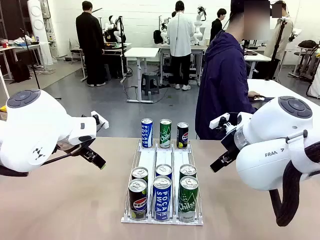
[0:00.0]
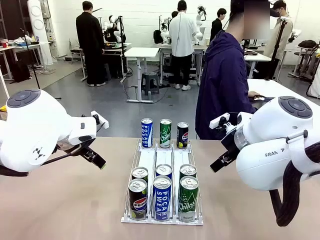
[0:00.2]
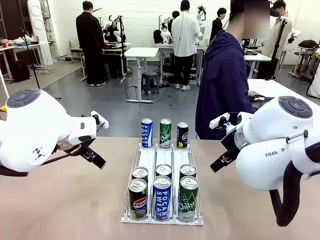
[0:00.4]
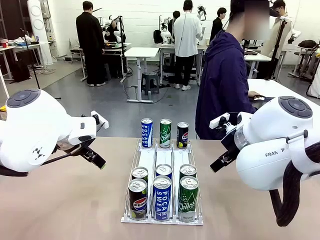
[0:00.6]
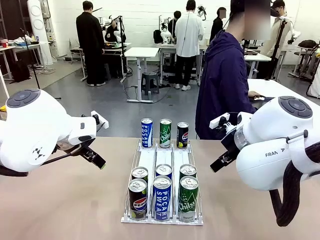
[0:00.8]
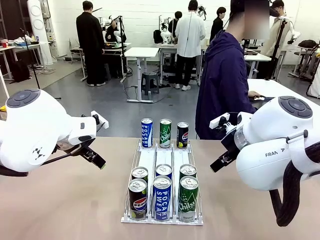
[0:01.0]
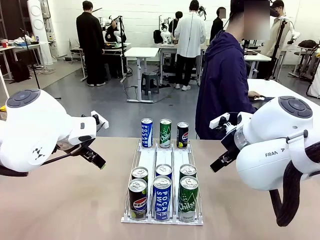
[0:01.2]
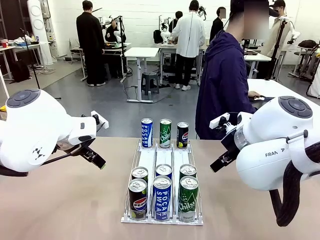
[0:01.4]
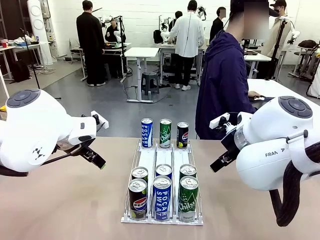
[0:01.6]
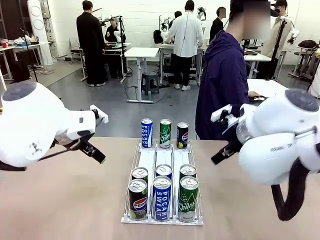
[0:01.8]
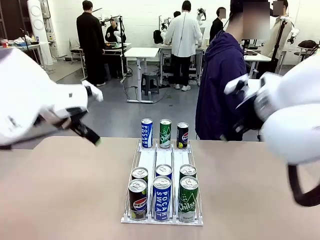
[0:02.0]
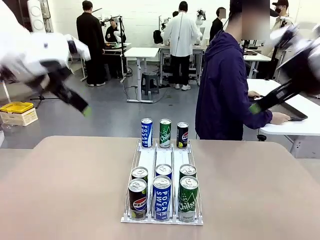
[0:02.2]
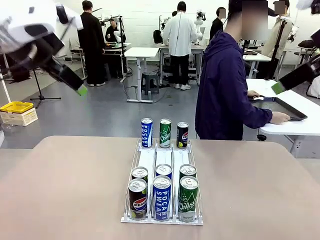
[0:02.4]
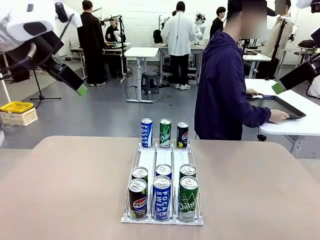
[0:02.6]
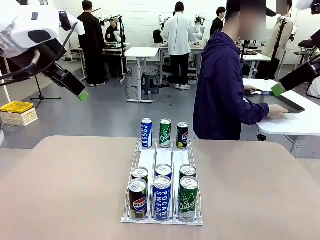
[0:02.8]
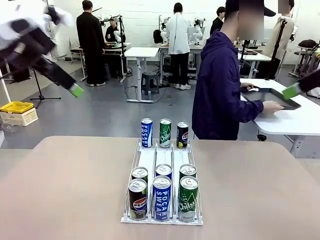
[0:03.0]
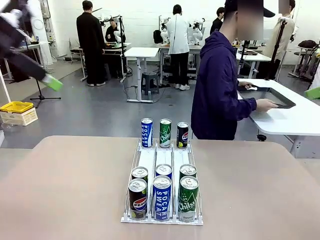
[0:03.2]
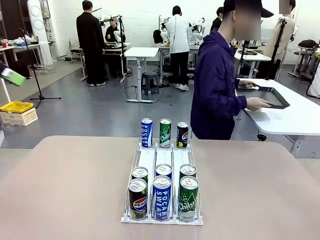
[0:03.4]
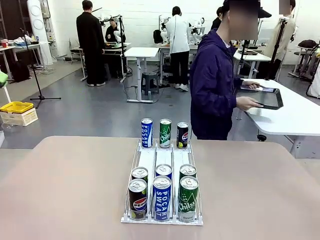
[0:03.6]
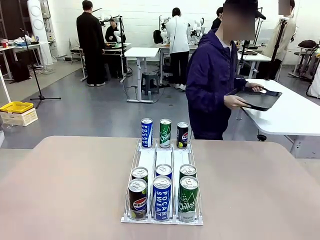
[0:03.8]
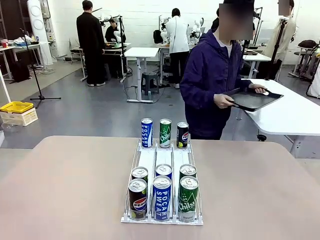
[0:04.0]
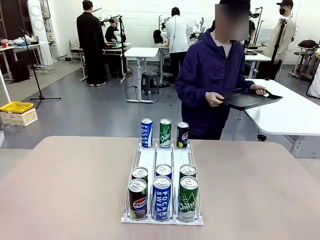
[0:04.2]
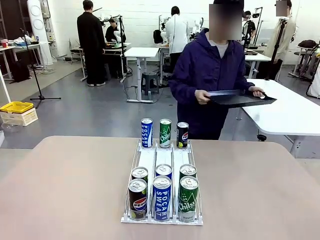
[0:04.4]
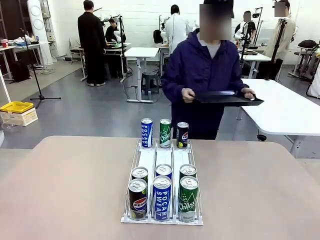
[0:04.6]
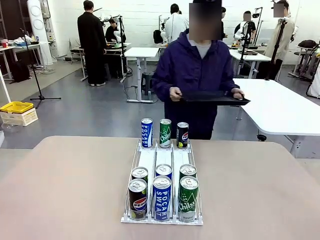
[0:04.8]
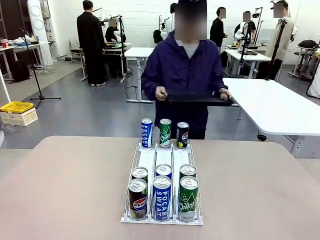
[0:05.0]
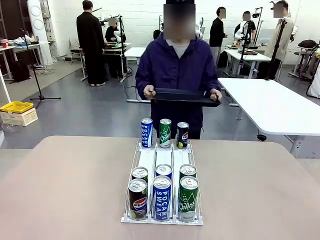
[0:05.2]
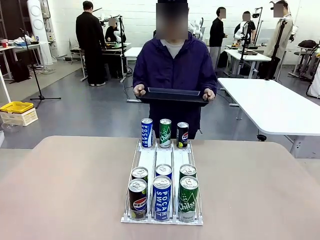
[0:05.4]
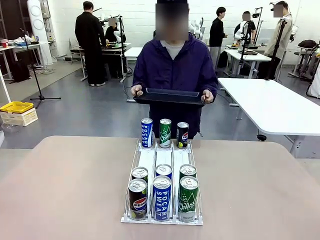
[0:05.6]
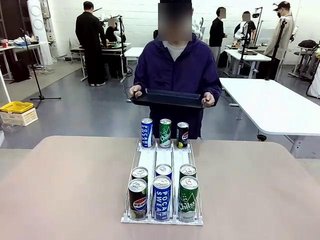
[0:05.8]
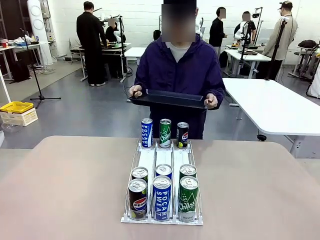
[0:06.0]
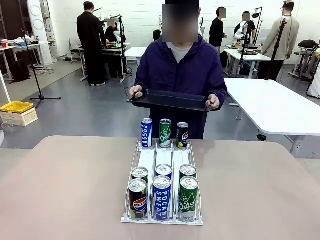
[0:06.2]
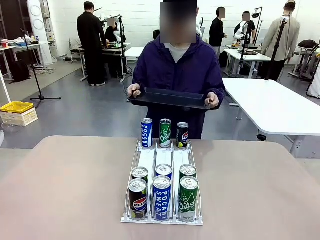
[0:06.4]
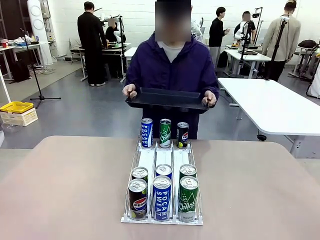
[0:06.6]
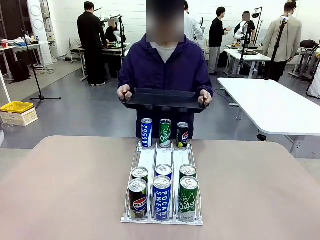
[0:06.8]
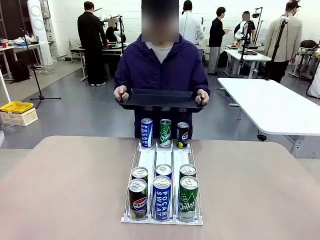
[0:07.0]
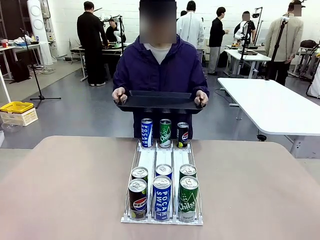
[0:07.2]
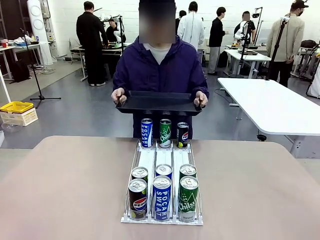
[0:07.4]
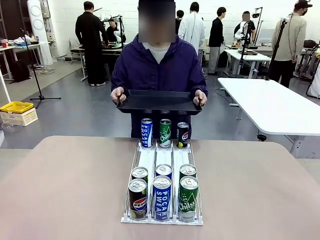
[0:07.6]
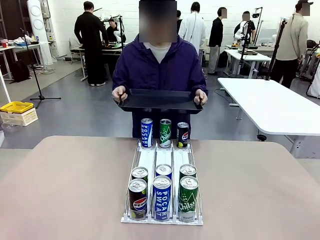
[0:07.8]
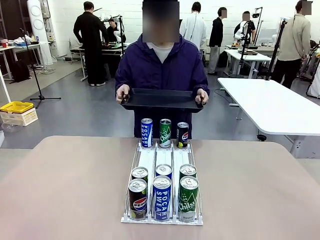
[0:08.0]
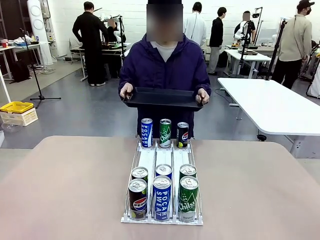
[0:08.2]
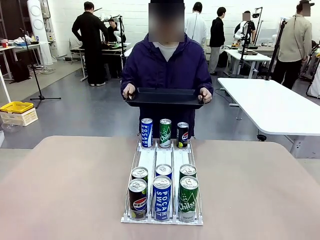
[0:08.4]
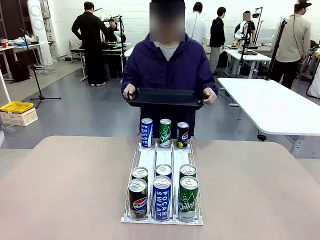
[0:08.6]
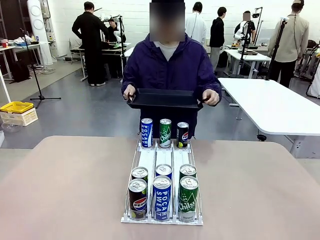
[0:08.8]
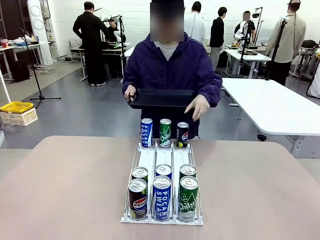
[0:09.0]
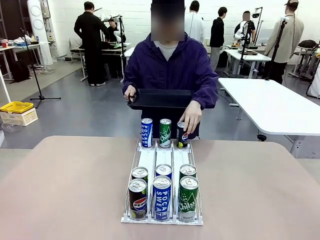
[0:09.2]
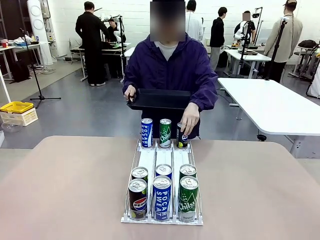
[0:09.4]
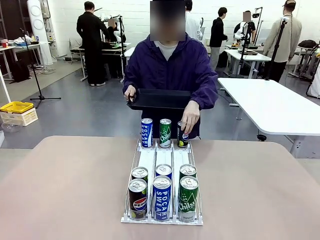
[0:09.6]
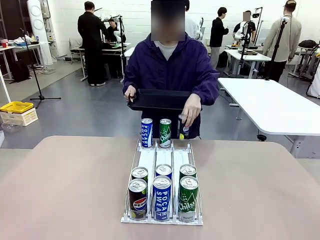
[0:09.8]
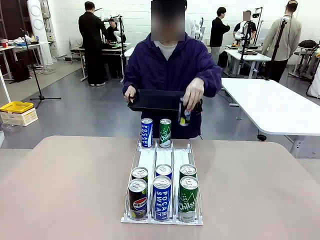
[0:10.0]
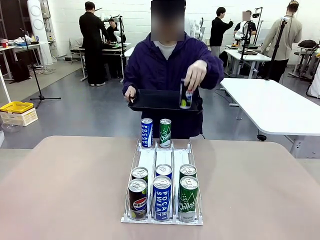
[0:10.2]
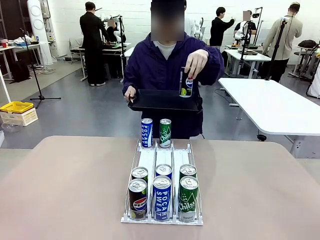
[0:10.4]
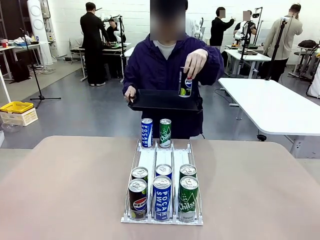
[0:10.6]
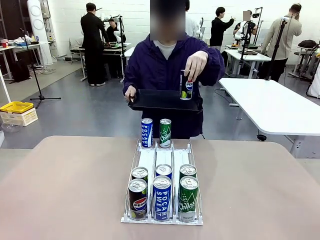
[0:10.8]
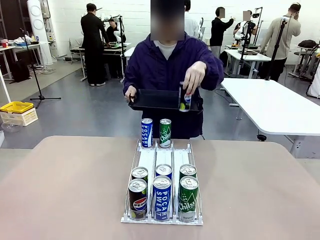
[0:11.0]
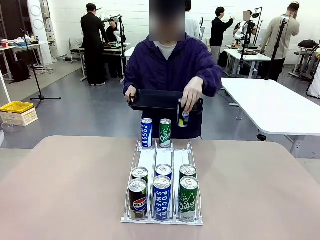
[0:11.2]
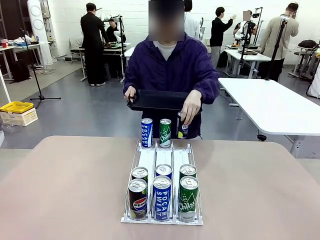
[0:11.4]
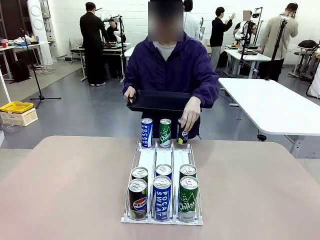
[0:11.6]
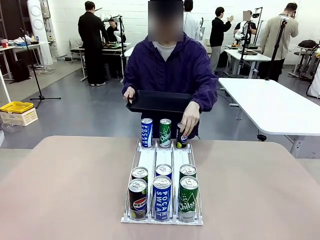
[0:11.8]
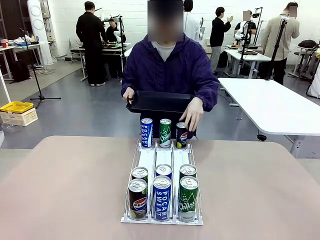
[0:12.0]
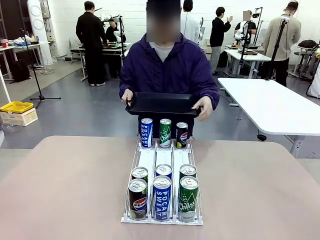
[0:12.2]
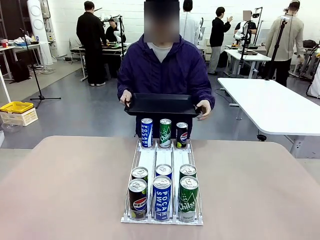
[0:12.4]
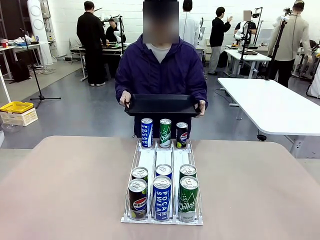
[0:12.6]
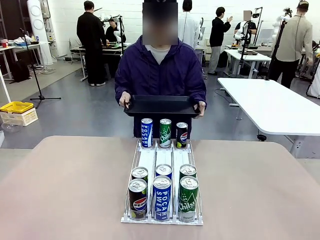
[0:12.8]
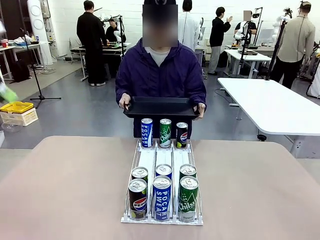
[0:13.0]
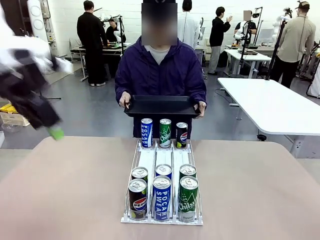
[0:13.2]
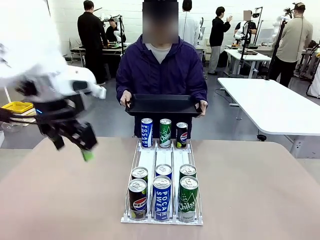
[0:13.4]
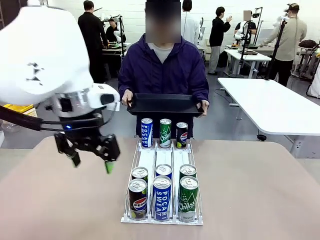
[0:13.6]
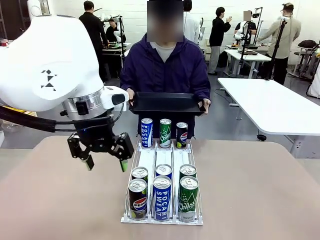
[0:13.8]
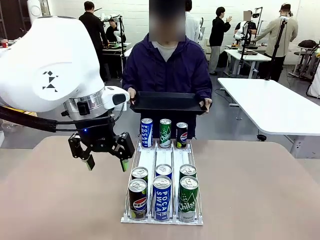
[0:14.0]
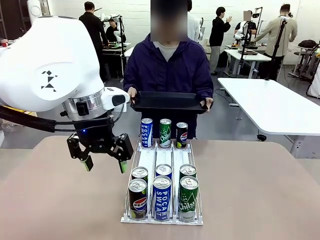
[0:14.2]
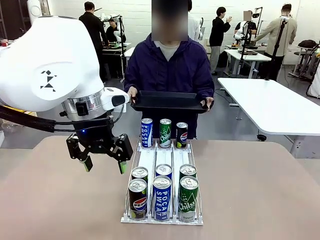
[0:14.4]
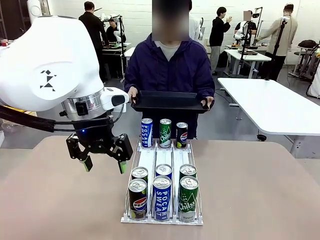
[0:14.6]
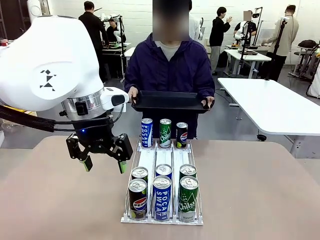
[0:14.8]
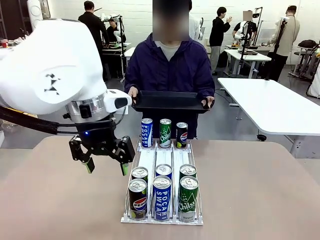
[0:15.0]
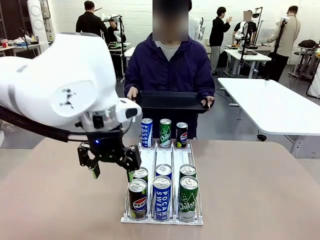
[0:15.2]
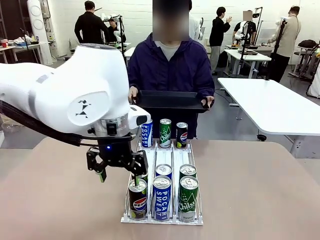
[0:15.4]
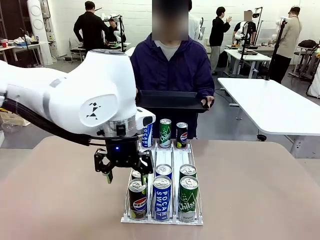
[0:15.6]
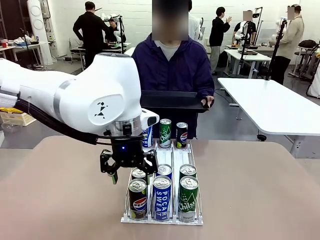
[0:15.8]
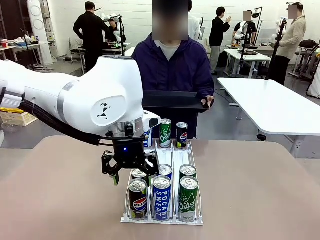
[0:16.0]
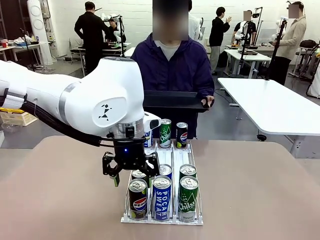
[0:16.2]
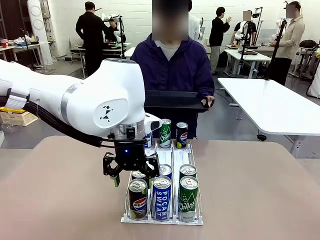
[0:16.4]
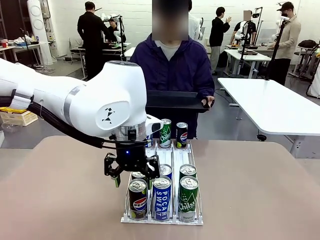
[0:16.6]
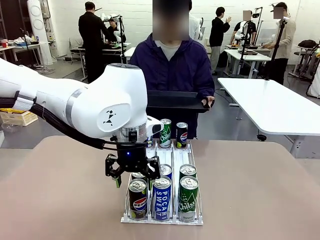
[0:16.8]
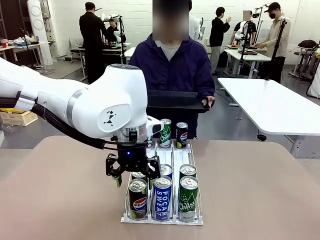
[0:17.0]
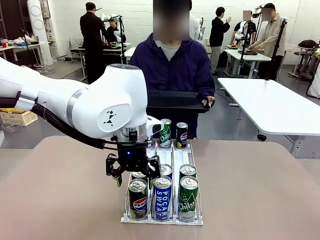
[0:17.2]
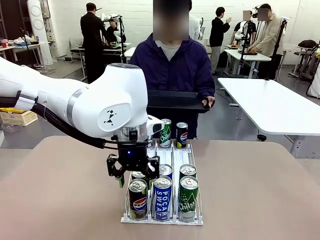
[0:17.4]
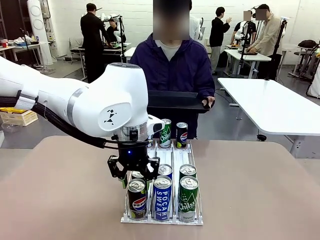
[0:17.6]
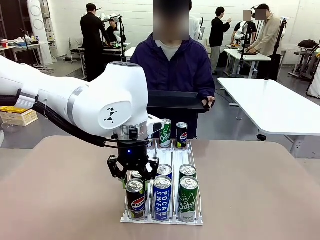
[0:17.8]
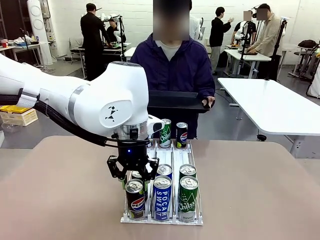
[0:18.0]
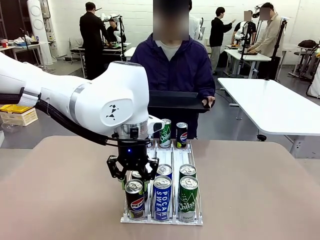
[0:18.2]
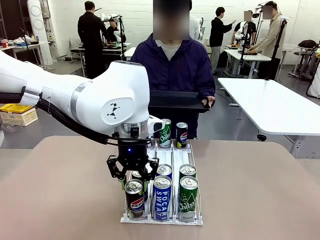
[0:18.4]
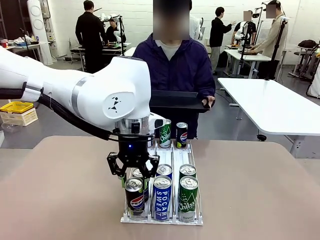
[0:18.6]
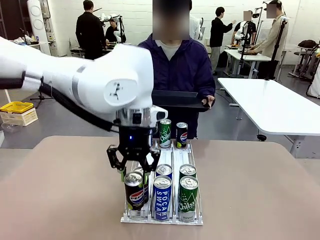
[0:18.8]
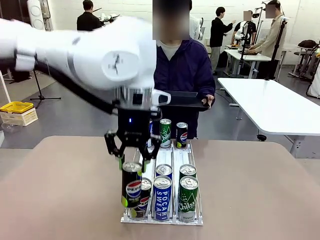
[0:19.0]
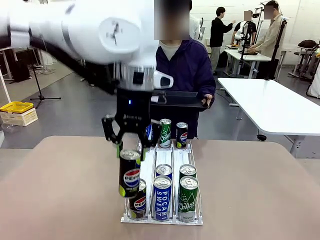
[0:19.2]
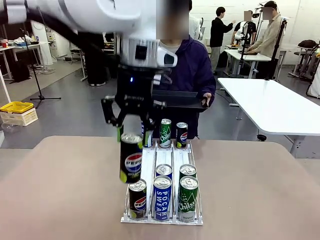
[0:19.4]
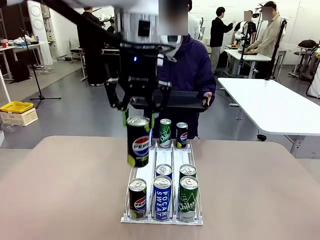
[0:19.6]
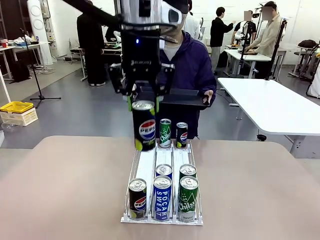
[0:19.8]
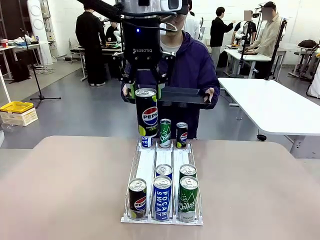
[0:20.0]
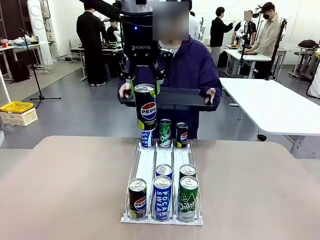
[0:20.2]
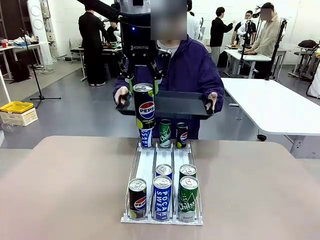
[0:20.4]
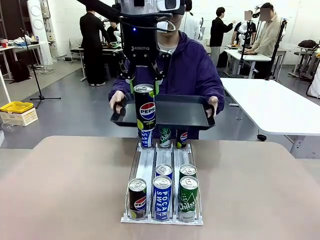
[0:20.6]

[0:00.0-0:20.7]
Task: Retrieve and hand over the desired beverage to the person.
Robot: Pick up a can of the same type that the person held from the Automatic Can Dispenser.
Person: Hold the tray and position yourself in front of the robot table. Pick up one can from the bottom area of the table and puts it back in its original place. Push the tray toward the robot.
